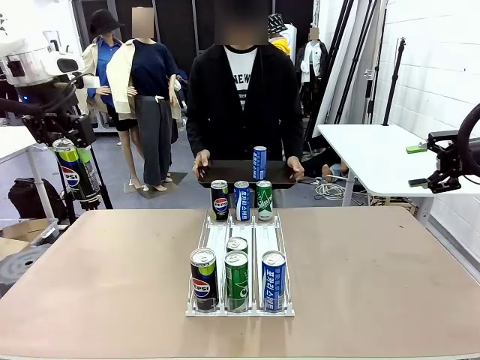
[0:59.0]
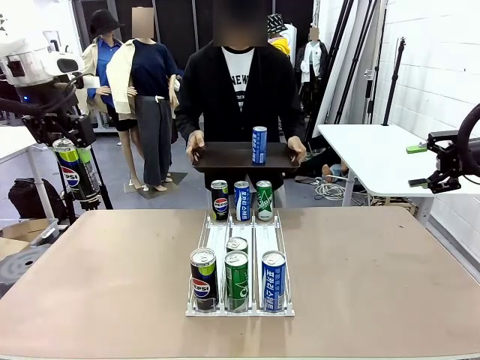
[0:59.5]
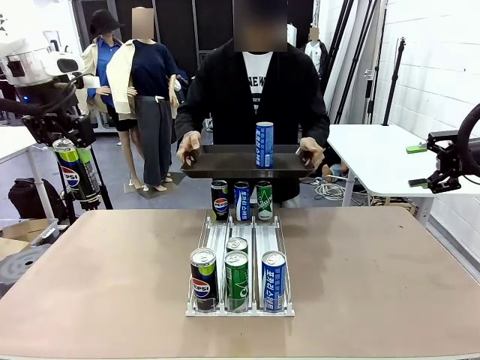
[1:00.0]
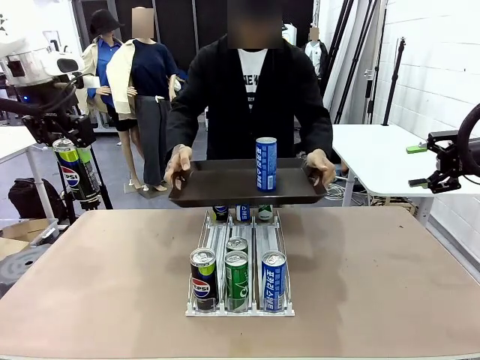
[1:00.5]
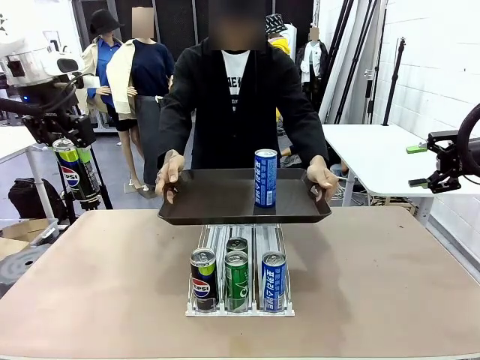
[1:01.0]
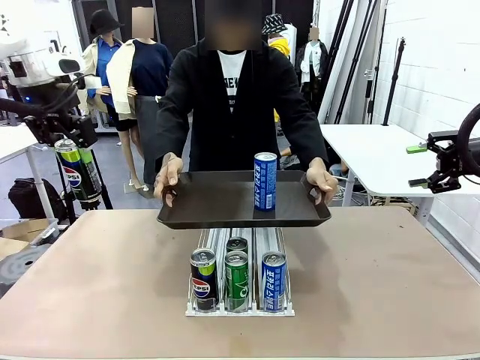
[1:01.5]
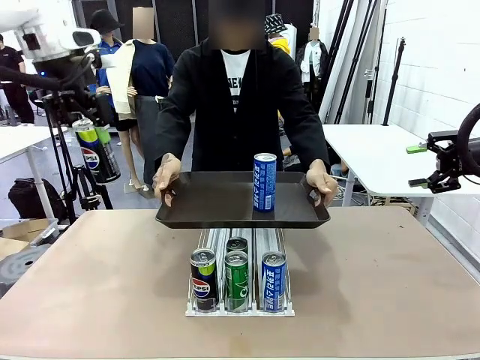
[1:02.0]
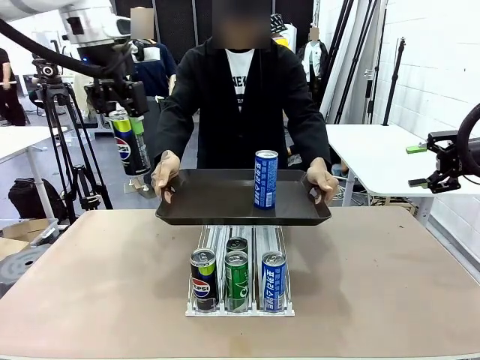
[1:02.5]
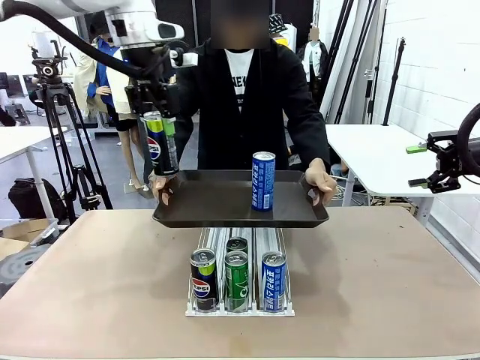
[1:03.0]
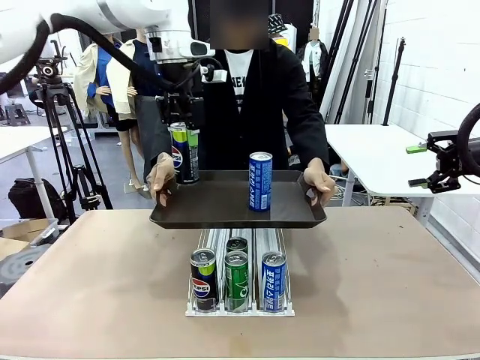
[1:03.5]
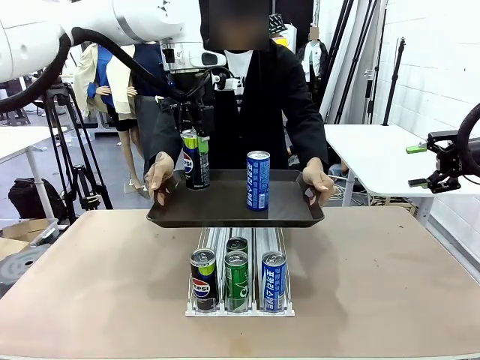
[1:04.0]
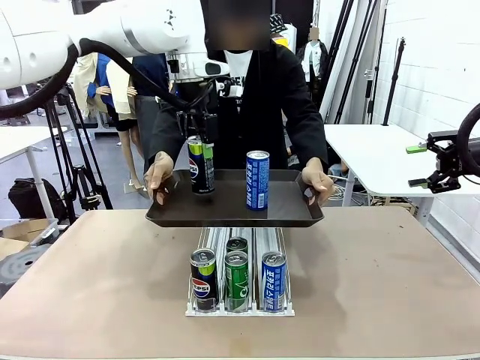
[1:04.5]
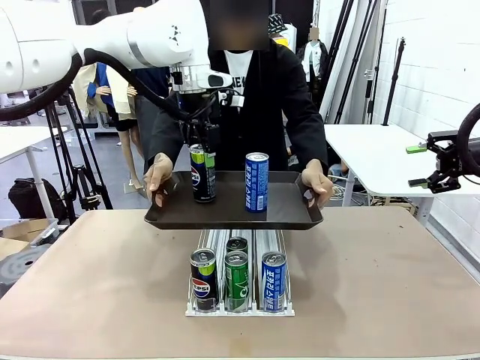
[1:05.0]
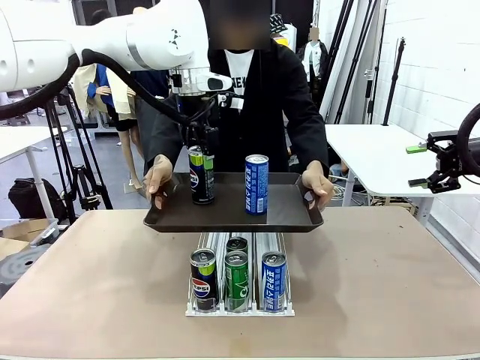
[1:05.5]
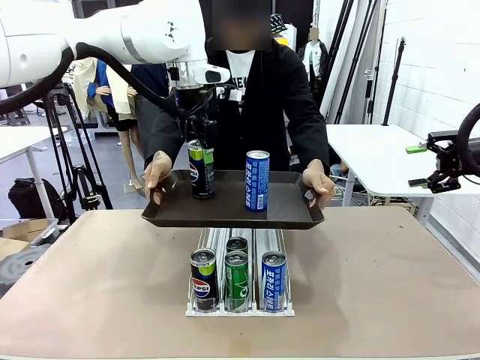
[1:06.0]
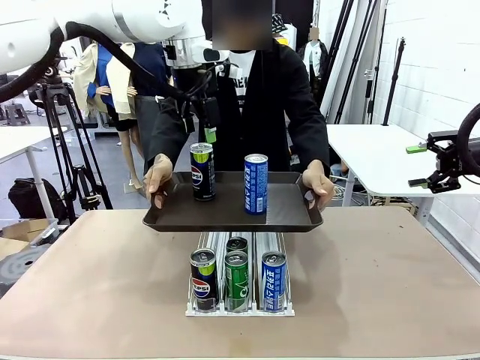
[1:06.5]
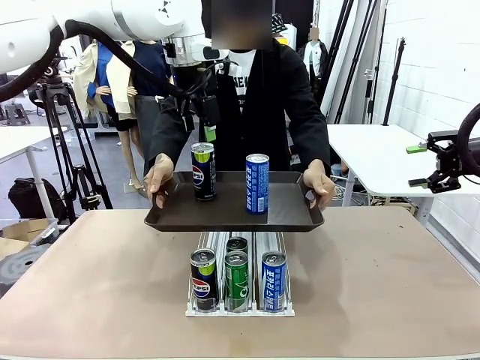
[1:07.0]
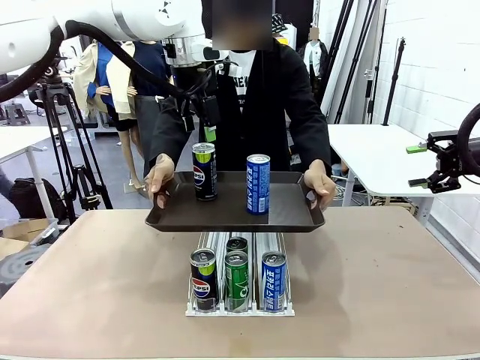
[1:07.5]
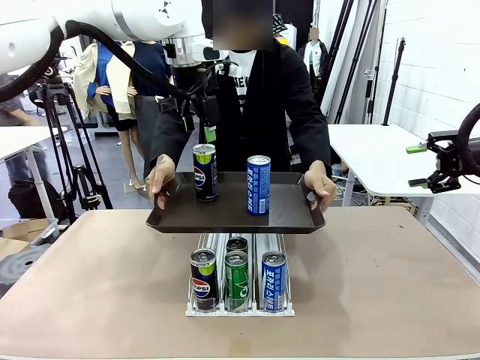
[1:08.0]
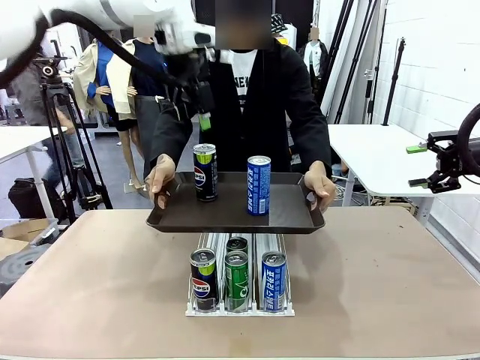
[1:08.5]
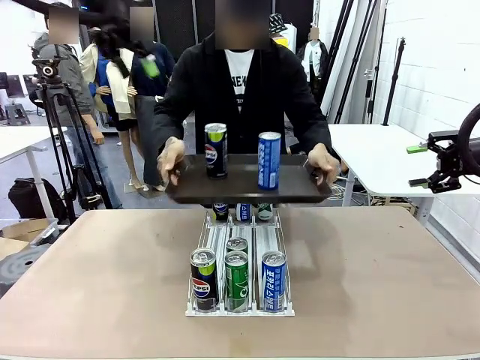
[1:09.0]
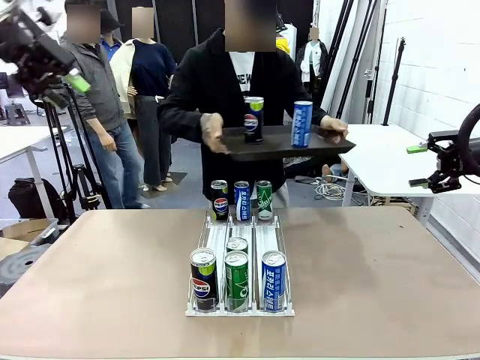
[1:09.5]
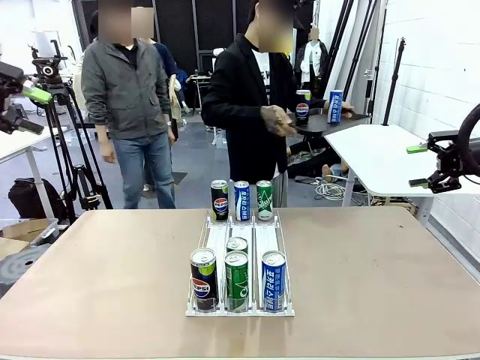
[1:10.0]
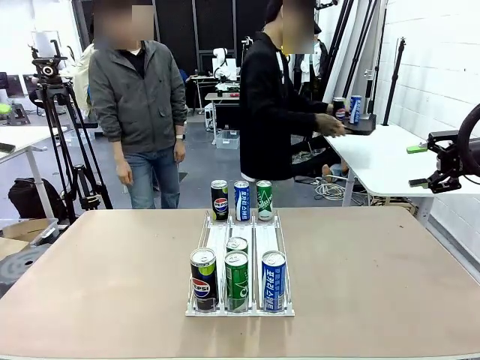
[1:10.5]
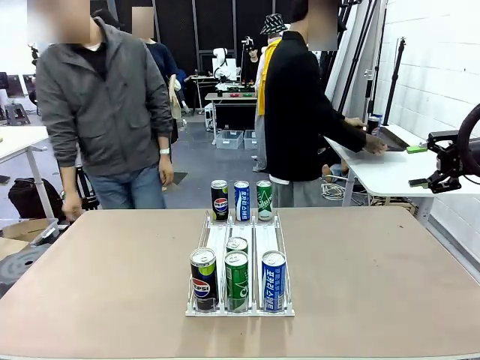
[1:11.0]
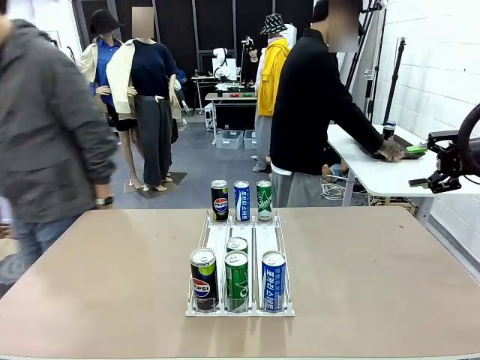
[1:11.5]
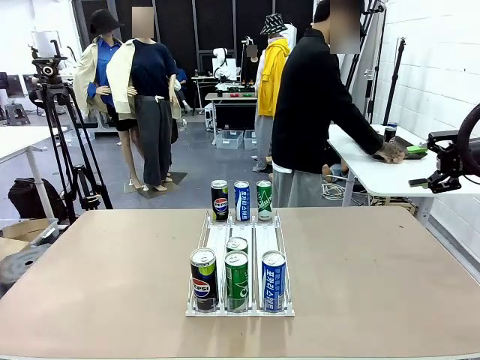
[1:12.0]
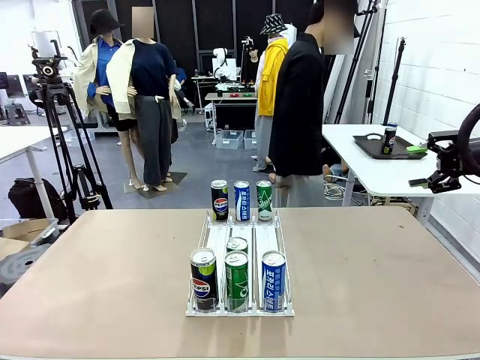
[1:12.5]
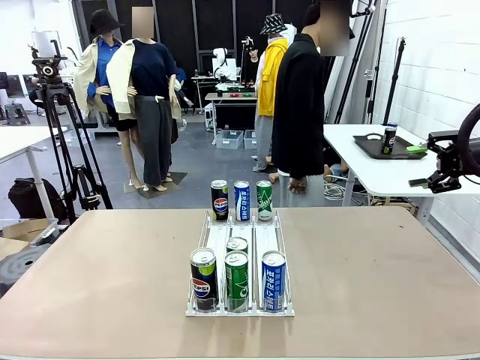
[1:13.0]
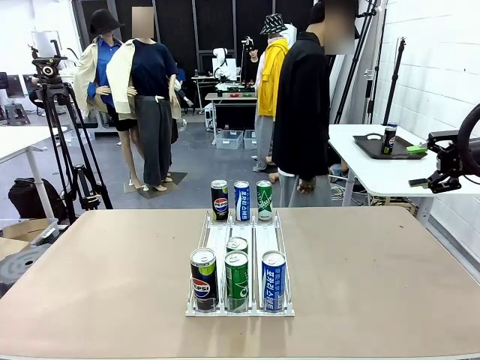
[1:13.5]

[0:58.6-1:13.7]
Task: Retrieve and hand over the desired beverage to the person.
Robot: Place the picked can on the Handle tray extended by the person.
Person: Pull the tray back and place it at the center of the human table.

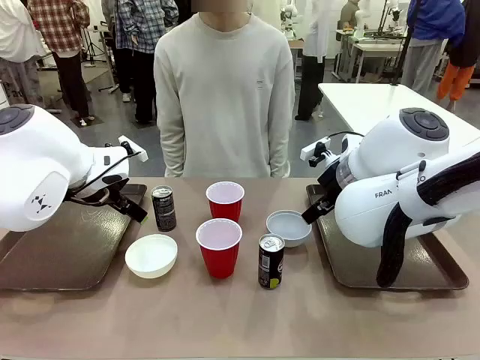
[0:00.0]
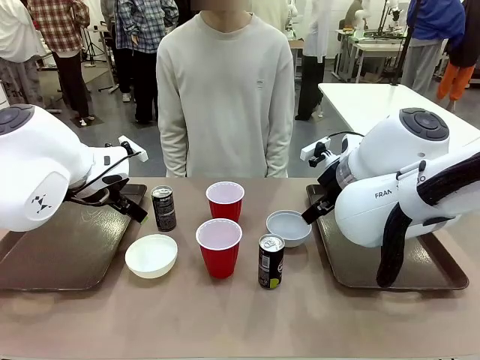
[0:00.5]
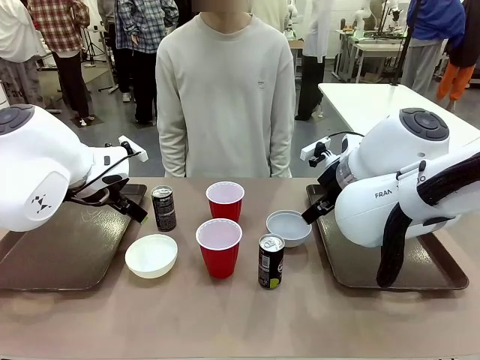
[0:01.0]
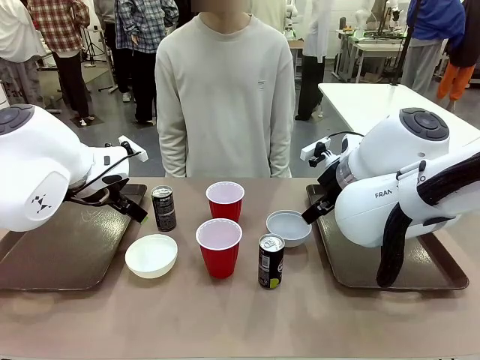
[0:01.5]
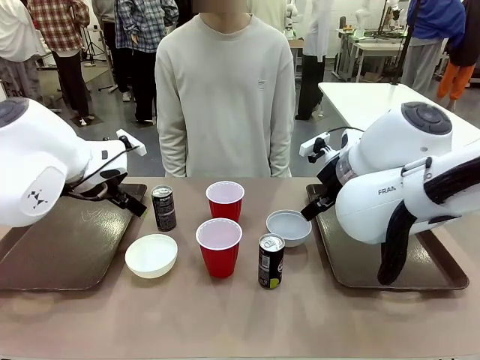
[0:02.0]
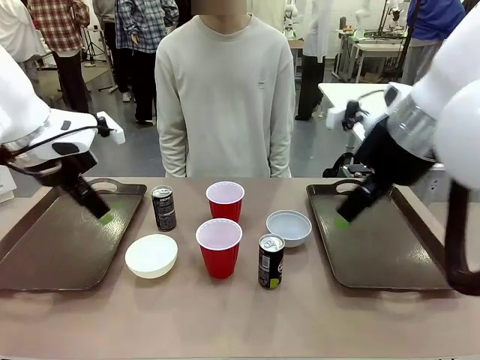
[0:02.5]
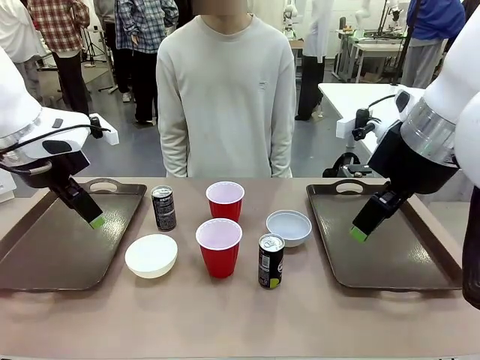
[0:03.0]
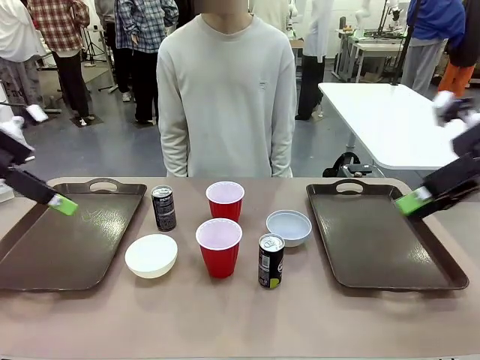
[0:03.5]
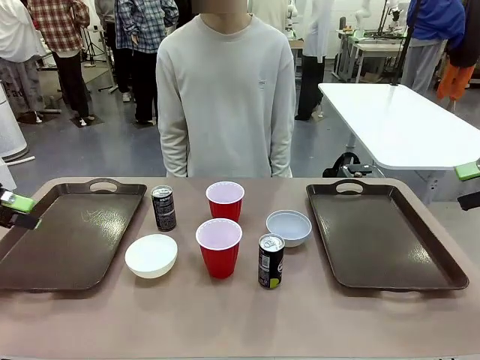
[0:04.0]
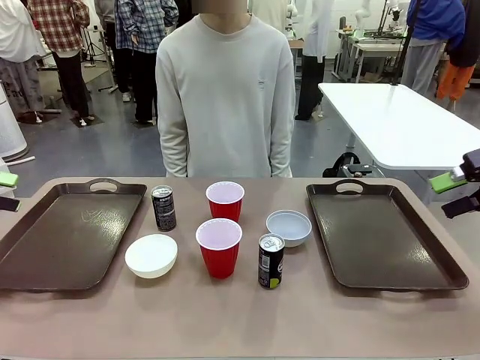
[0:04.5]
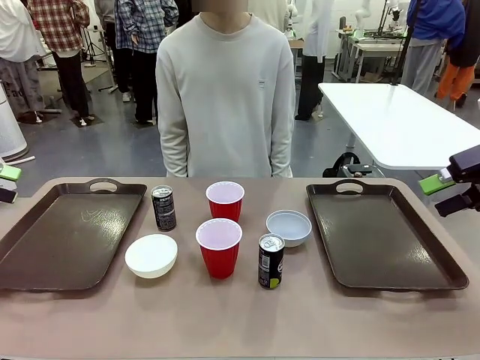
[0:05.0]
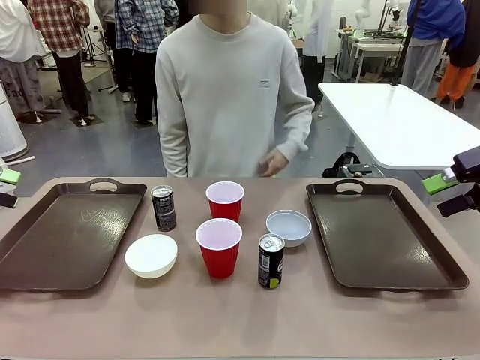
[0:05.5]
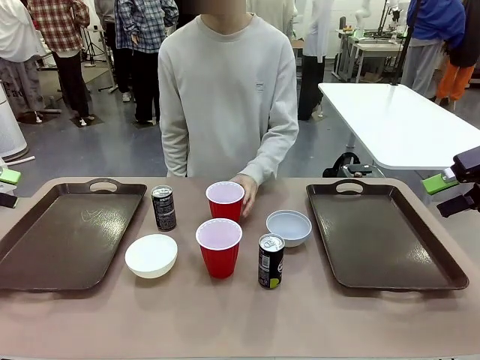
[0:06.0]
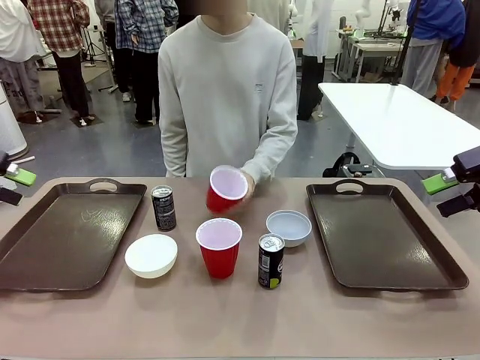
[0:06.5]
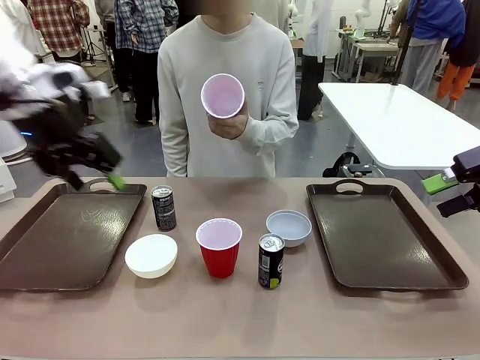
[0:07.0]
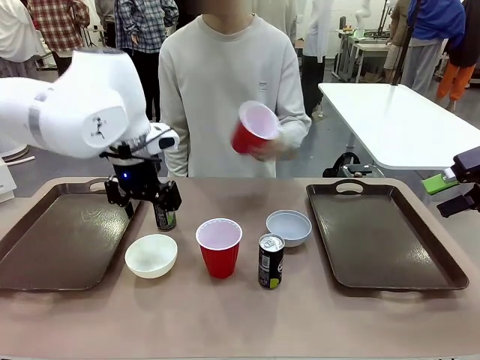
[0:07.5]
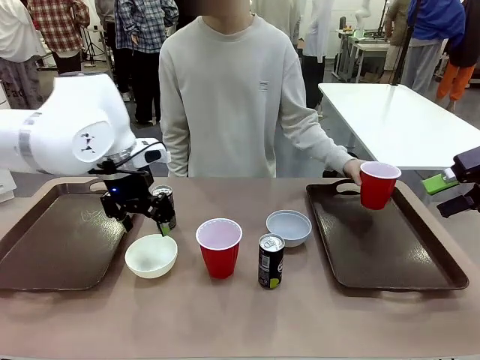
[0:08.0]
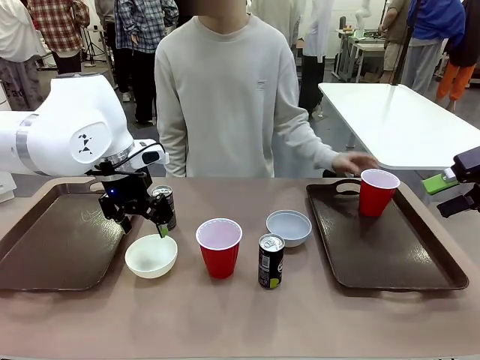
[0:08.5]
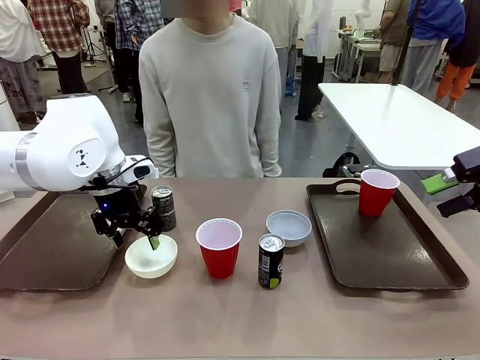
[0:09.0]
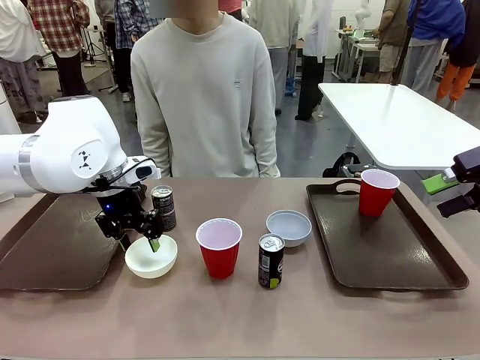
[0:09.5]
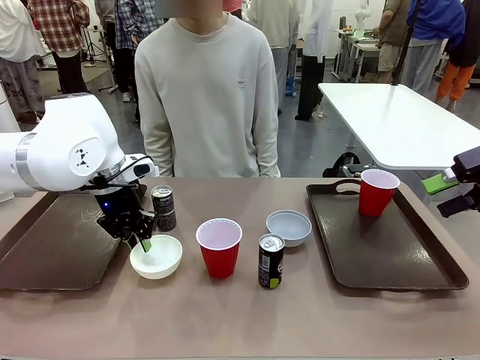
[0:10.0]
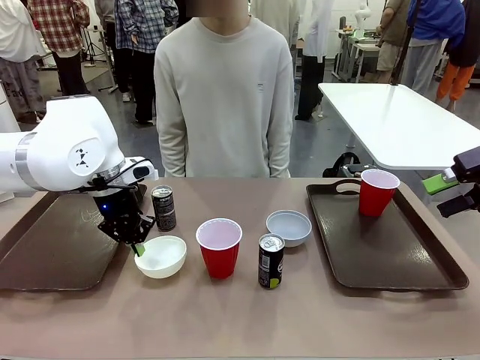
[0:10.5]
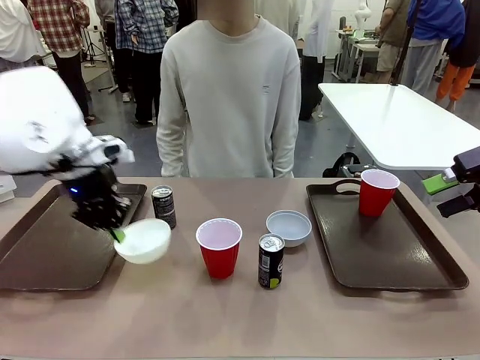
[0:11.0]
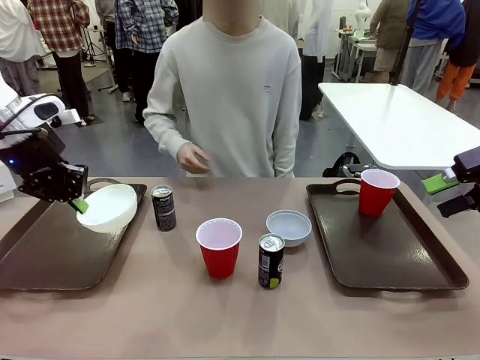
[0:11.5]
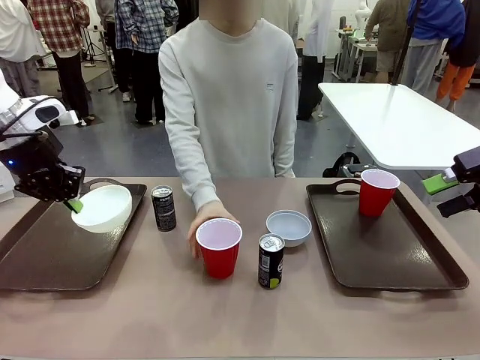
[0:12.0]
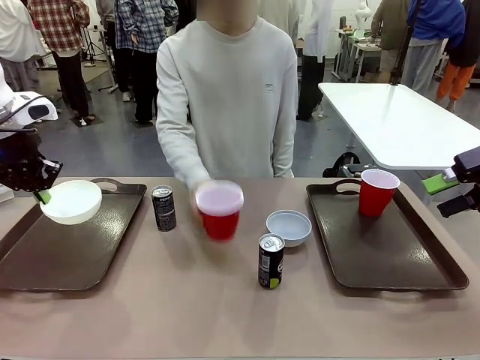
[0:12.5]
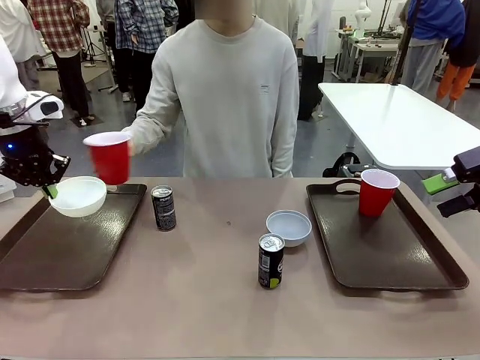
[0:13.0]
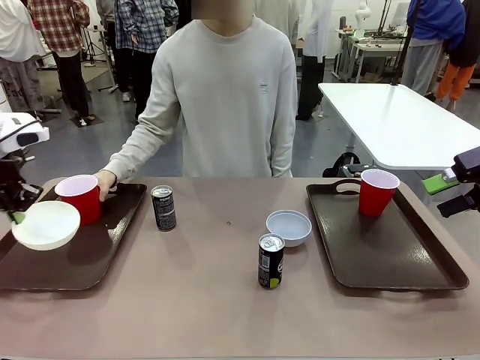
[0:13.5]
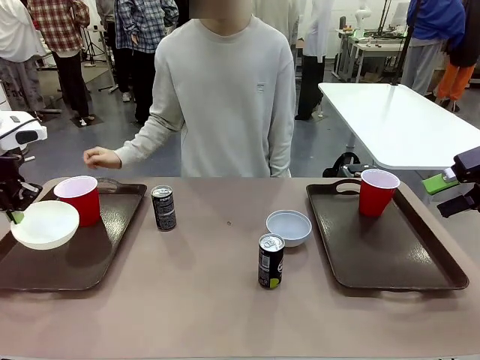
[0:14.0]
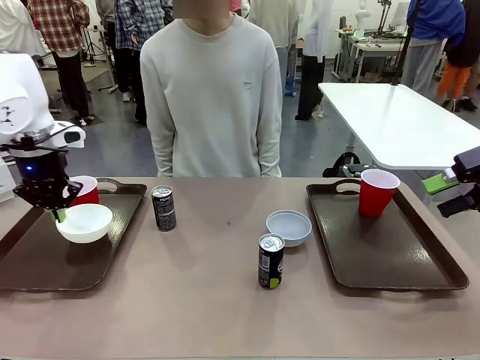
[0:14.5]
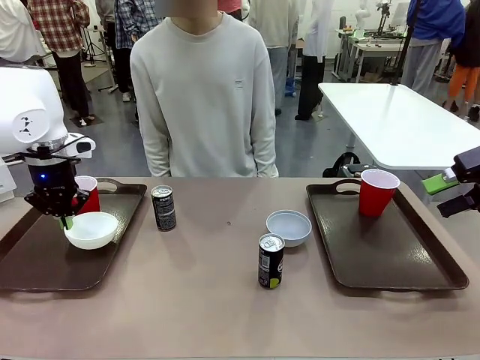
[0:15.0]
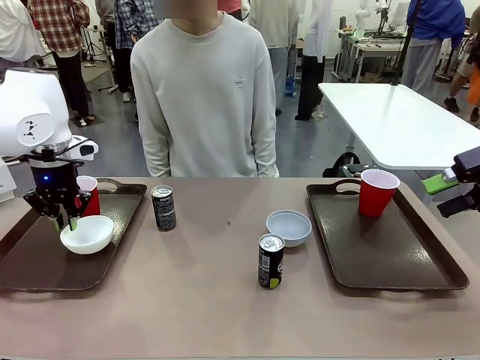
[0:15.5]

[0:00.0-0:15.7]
Task: Prepare tableware on both trays.
Robot: Pick up a Picnic Bowl from the table and place it on a Handle tray.
Person: Pick up a can or cup and place it on the tray.
